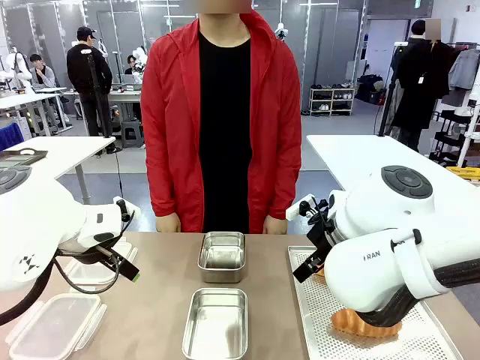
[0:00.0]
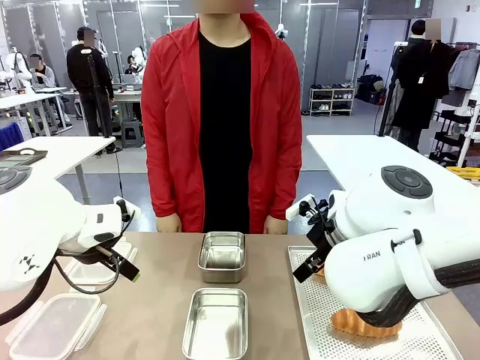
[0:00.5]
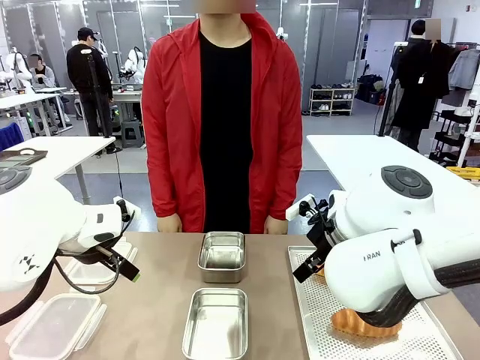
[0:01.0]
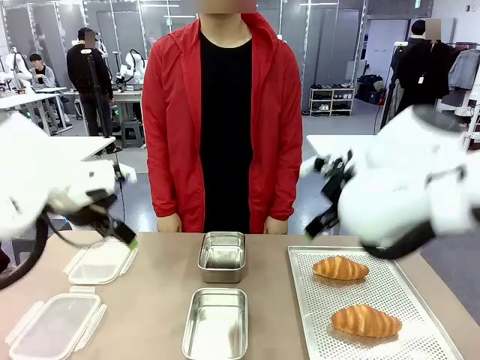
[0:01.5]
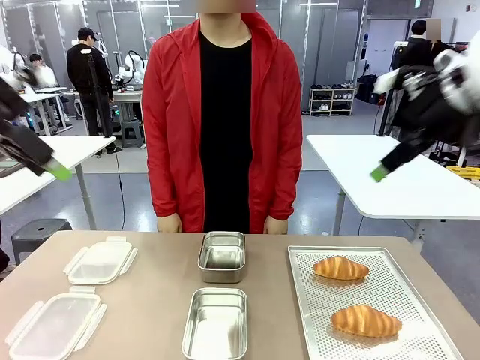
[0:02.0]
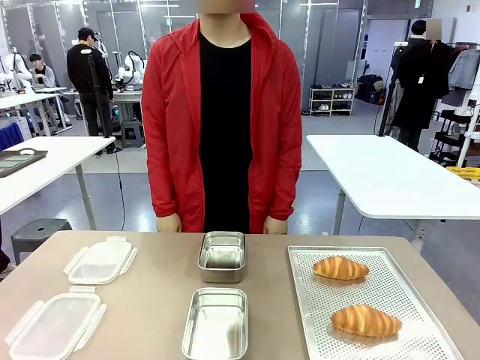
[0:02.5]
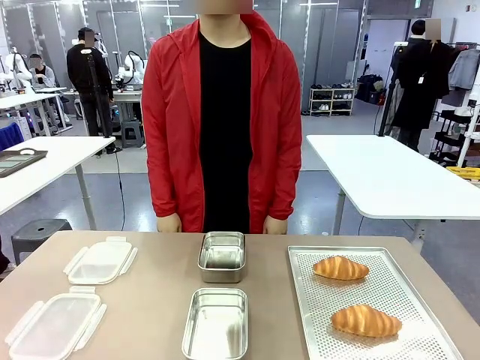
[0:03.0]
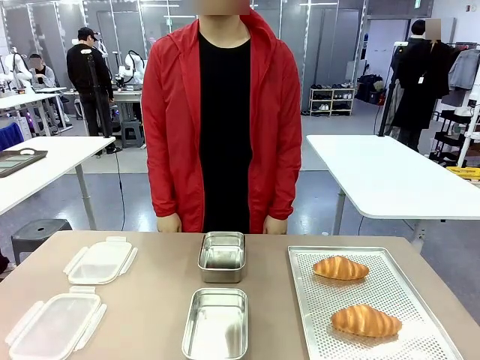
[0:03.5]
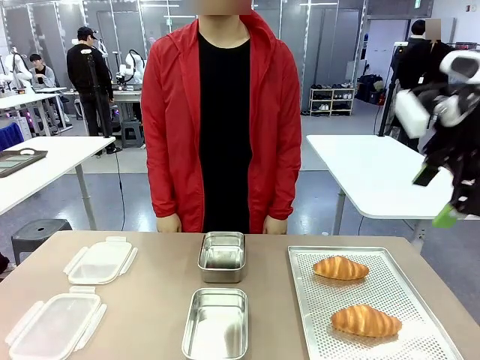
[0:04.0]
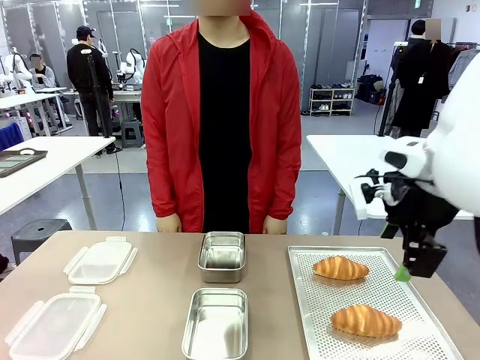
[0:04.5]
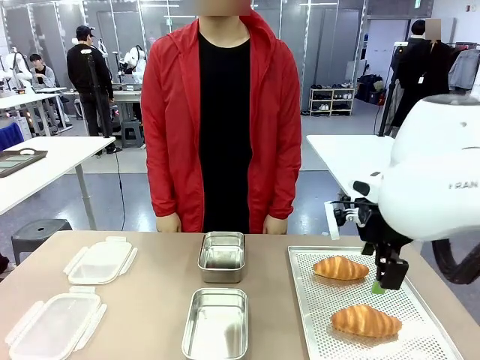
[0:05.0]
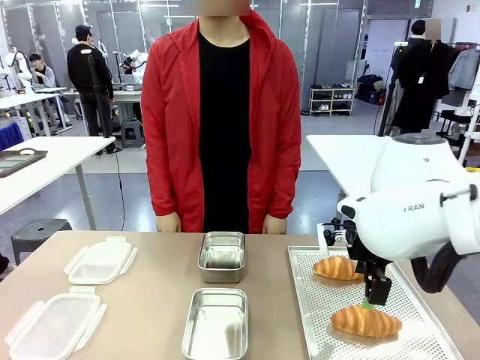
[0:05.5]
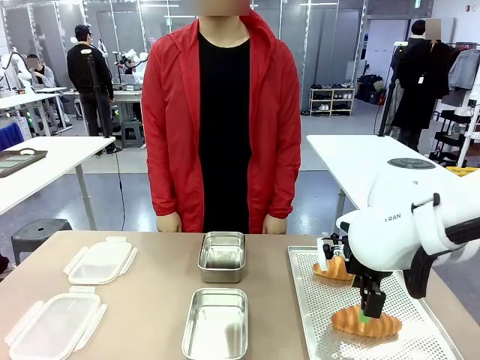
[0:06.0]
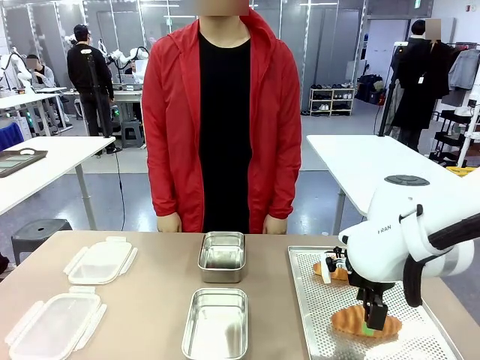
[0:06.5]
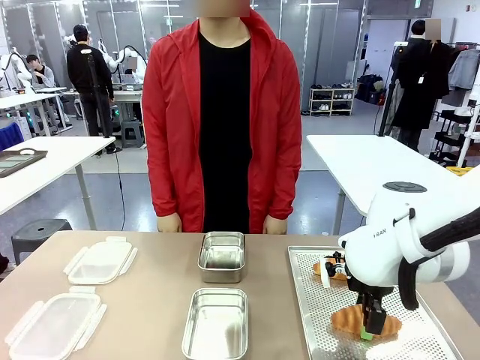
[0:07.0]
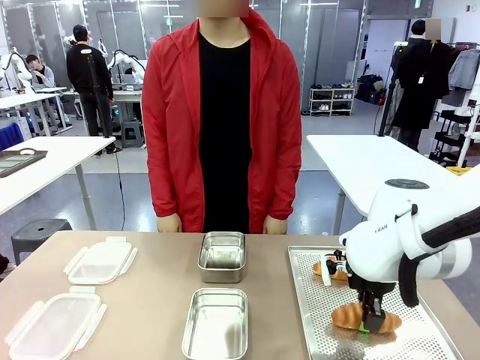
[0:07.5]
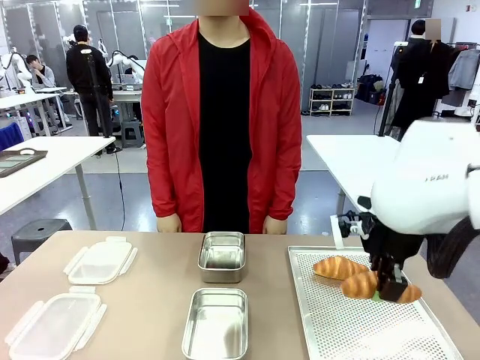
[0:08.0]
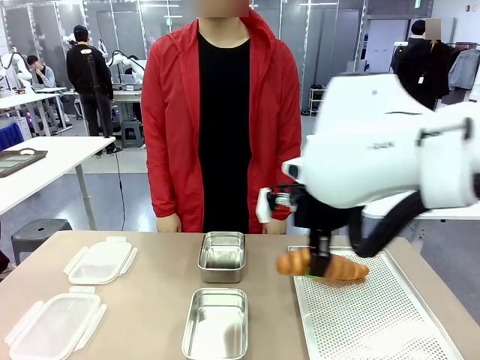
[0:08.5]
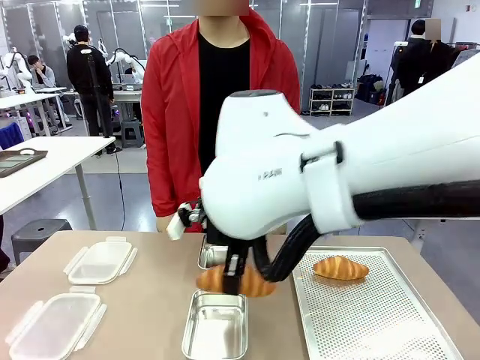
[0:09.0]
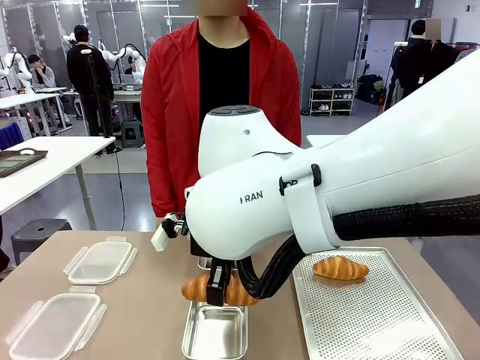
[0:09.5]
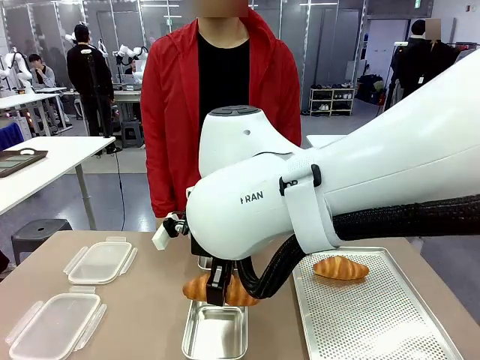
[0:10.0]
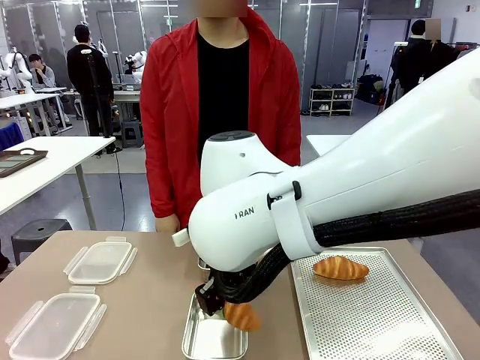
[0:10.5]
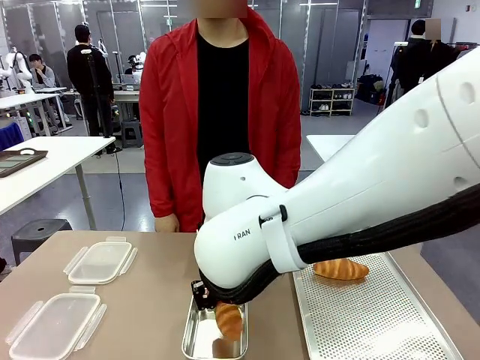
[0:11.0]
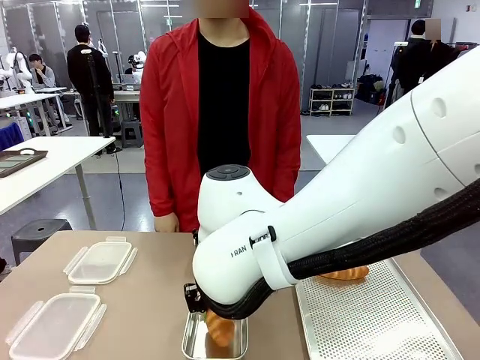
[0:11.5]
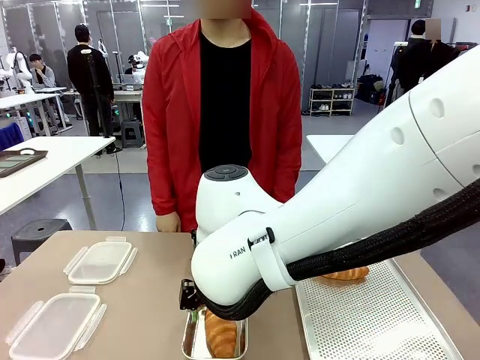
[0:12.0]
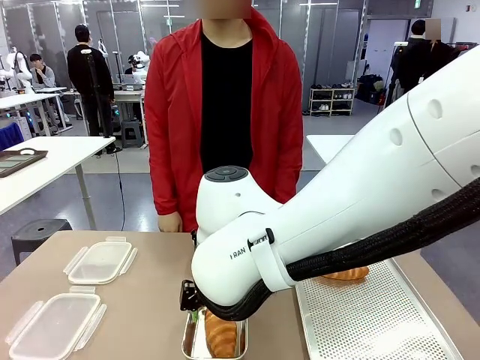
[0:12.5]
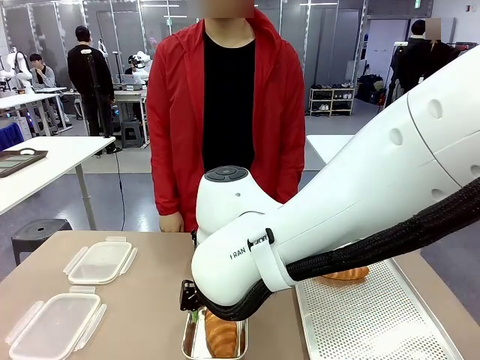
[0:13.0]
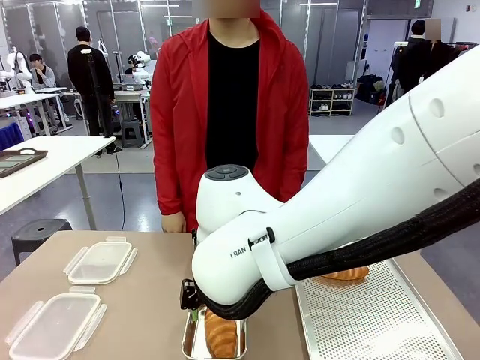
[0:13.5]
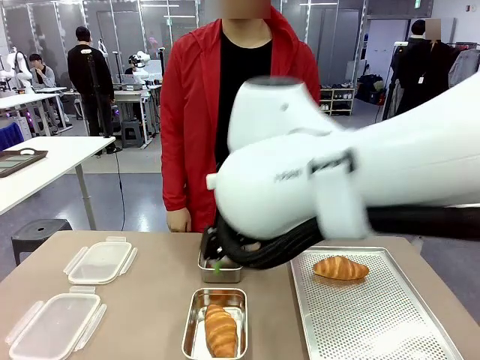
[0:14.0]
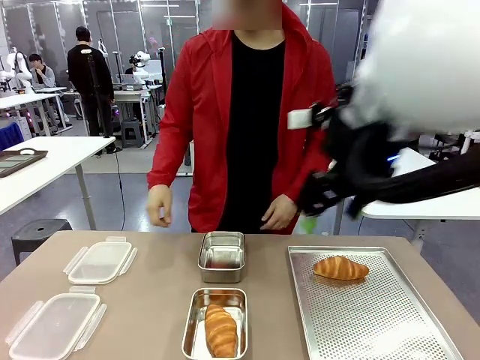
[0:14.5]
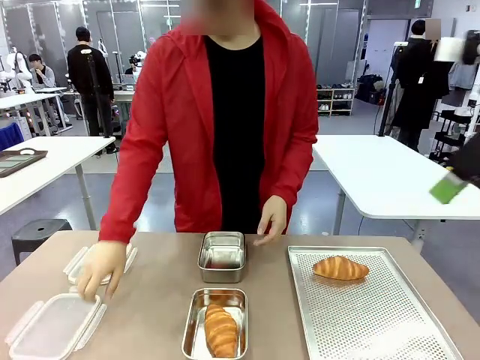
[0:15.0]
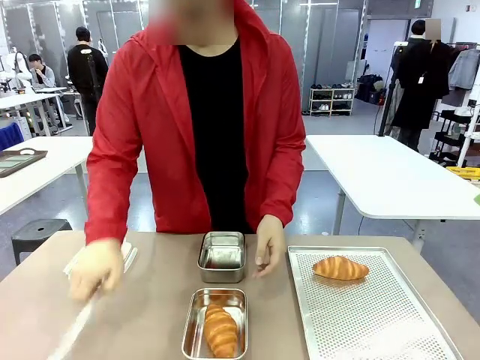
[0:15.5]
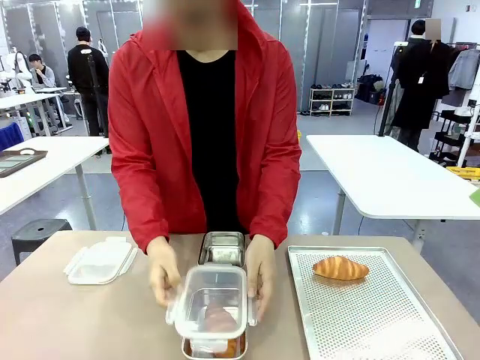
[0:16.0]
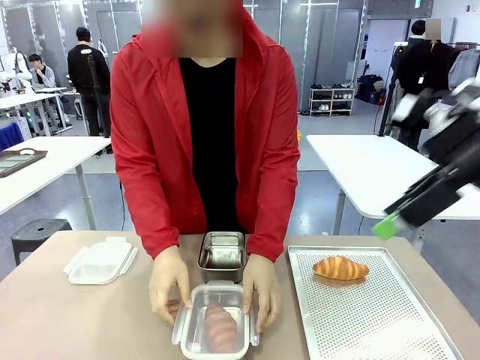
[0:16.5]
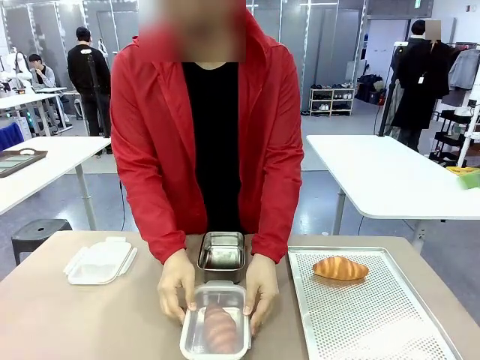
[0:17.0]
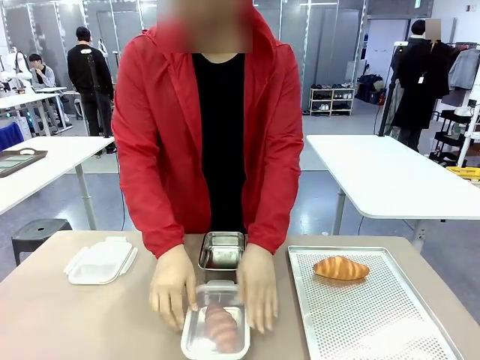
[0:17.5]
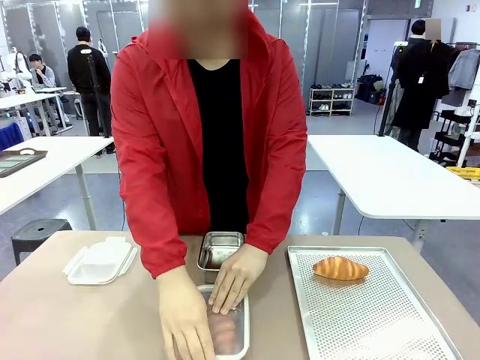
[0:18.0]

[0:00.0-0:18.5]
Task: Place the bread into the airtight container.
Robot: Pick up a Butter Roll and place it into an empty Airtight Container.
